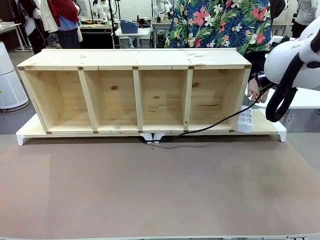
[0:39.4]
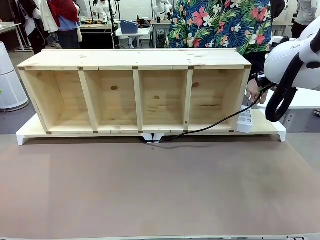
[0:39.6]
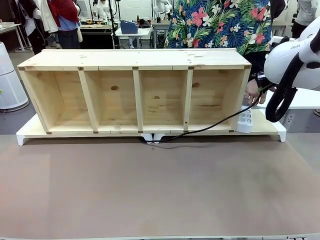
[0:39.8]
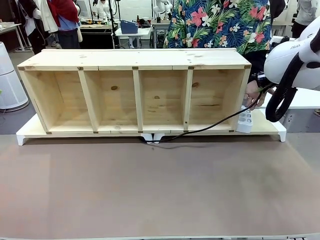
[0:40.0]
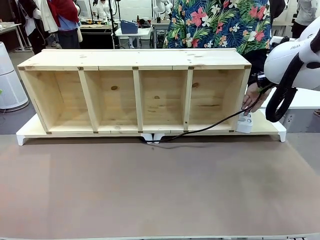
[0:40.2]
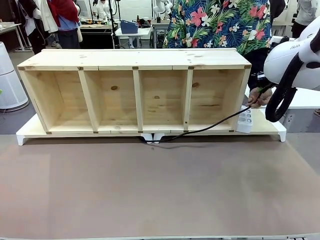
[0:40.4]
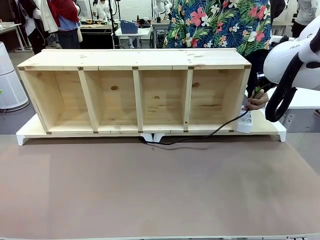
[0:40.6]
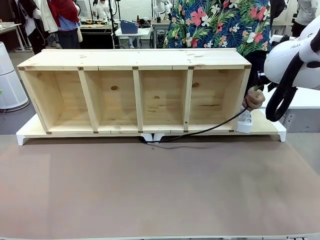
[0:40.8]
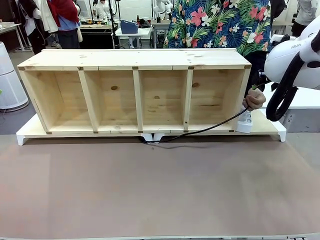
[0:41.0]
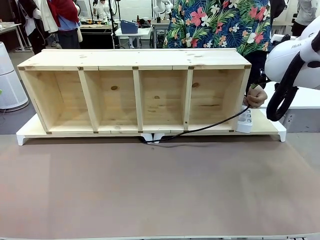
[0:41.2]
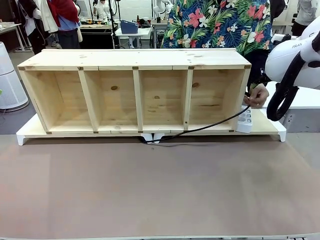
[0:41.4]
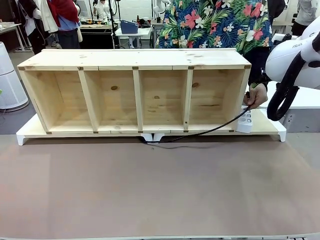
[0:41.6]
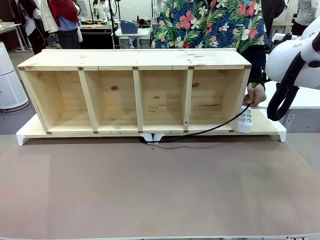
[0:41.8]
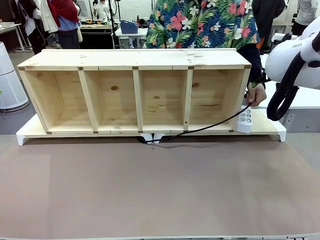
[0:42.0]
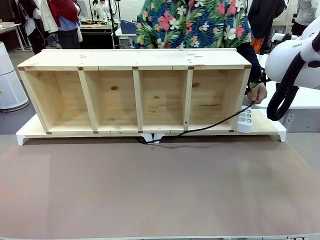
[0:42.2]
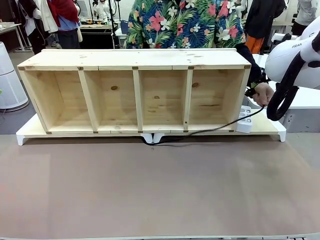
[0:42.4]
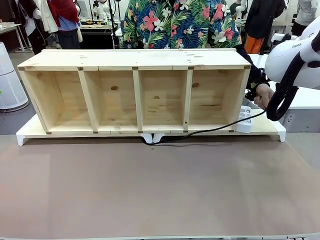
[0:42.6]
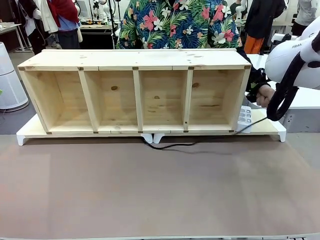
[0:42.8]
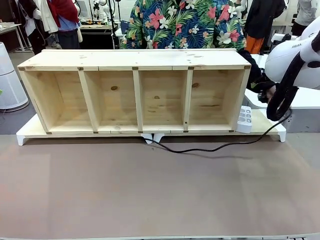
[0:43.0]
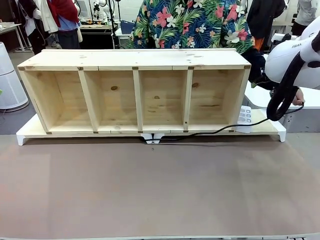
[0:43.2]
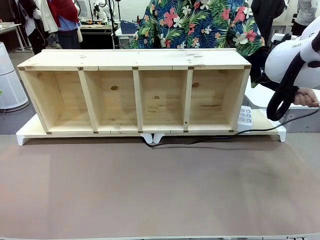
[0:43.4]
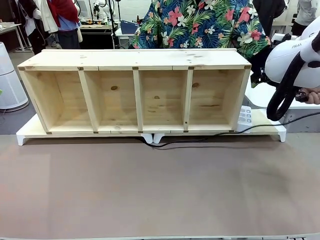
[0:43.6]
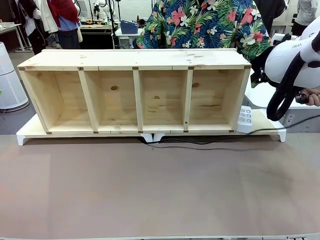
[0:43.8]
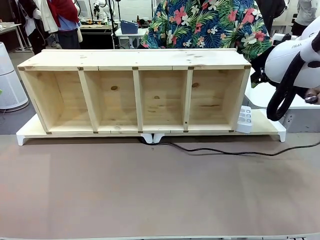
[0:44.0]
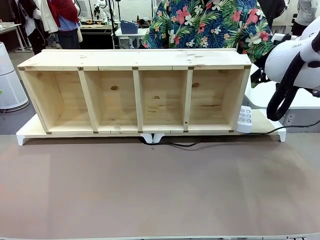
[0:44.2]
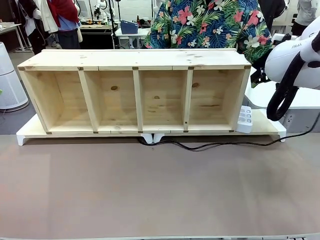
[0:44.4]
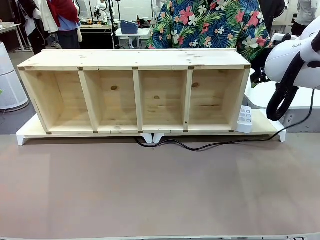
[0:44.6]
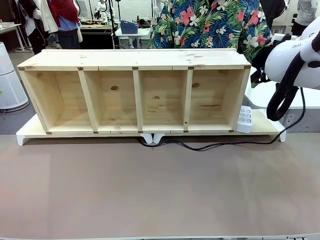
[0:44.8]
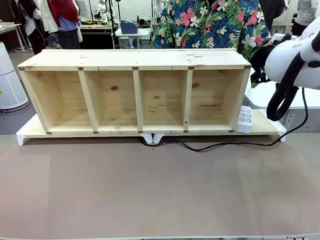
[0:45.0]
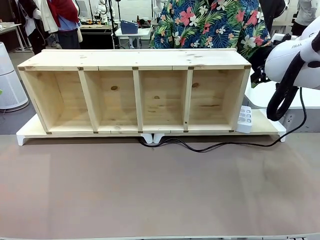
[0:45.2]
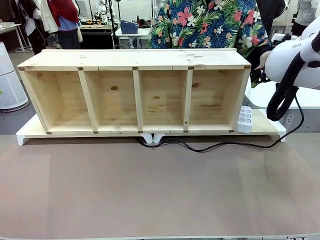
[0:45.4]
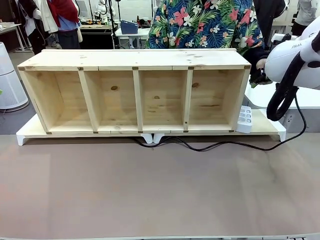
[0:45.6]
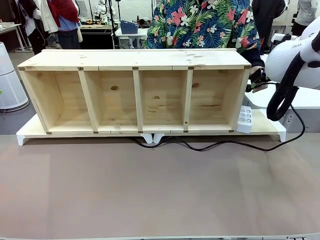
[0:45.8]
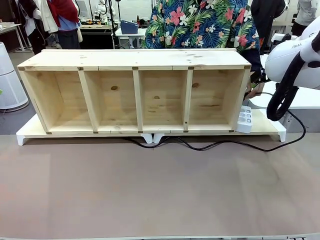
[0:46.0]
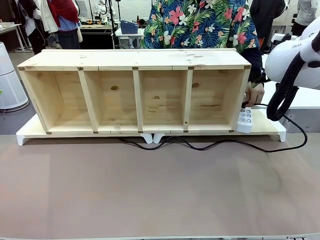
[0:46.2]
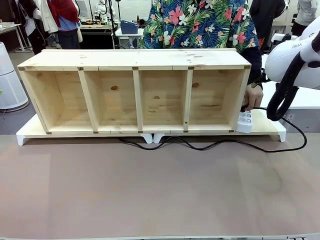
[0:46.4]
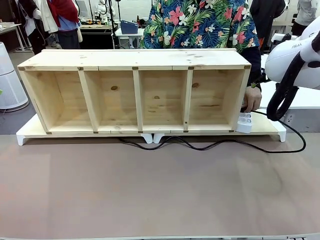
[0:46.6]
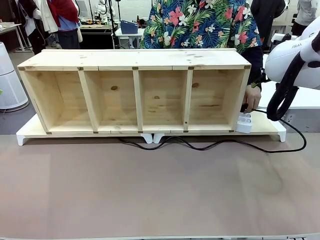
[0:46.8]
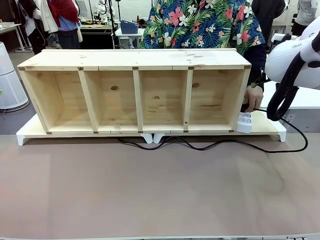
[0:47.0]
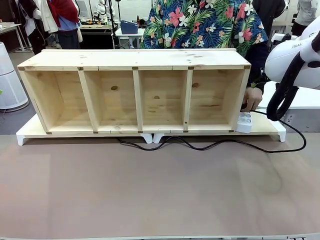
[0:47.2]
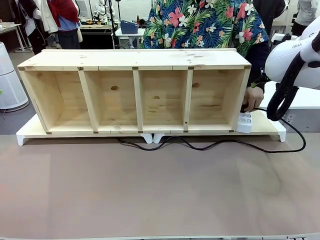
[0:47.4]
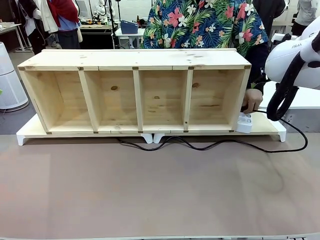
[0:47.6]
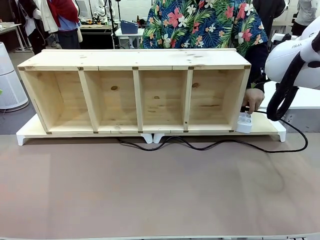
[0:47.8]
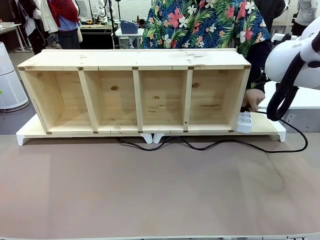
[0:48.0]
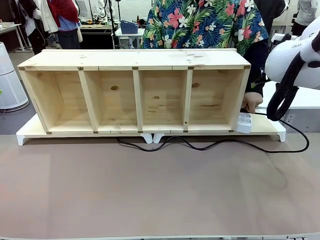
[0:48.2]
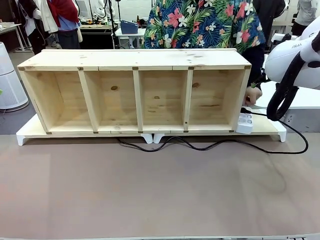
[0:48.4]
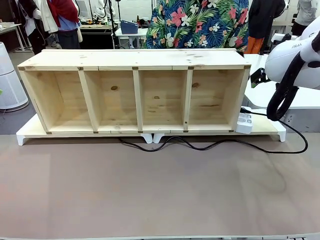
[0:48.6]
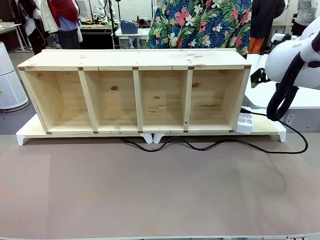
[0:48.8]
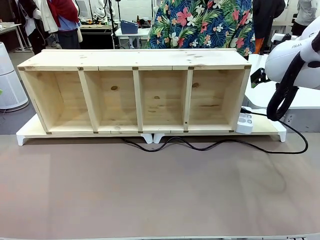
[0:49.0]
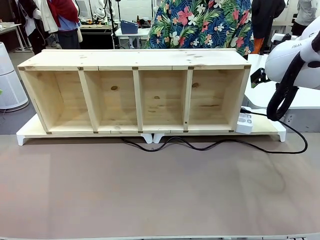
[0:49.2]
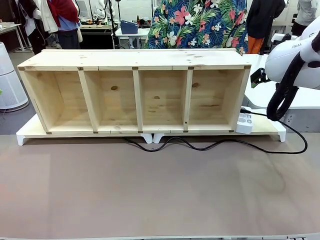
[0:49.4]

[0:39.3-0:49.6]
Task: Perform cable management.
Robot: Release the Power Cable when the human grasps it.
Person: Plug the Power Cable into the Power Strip.

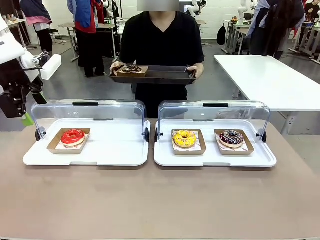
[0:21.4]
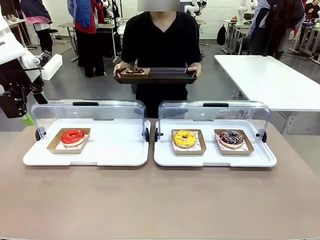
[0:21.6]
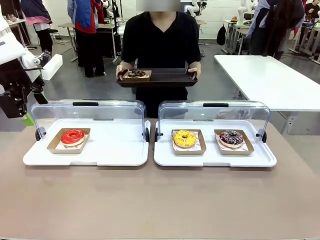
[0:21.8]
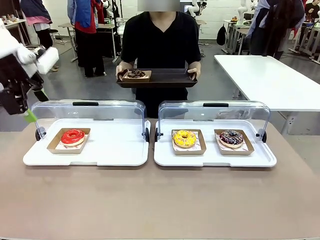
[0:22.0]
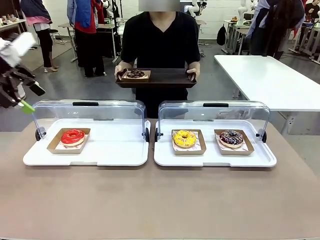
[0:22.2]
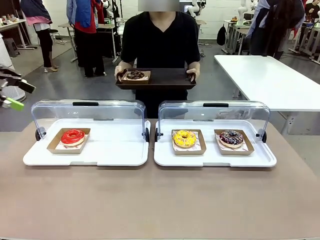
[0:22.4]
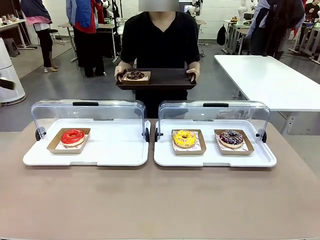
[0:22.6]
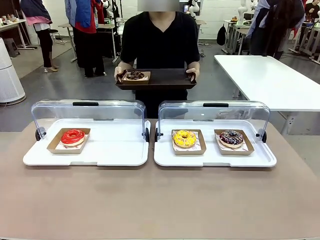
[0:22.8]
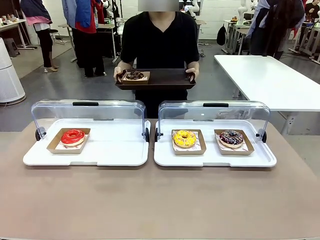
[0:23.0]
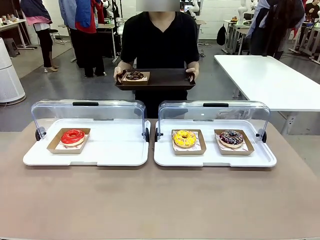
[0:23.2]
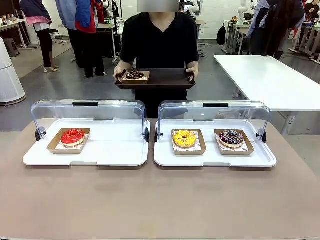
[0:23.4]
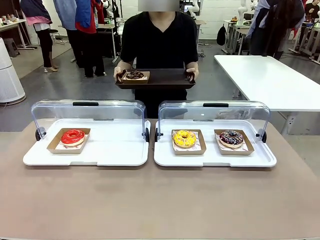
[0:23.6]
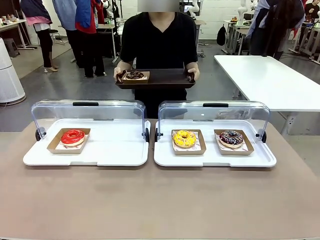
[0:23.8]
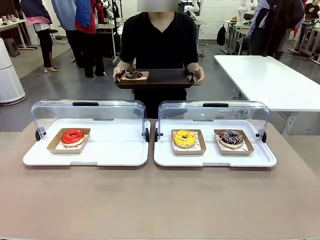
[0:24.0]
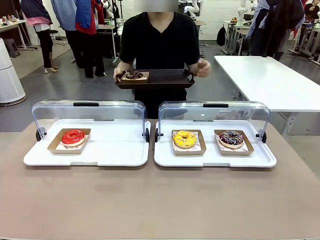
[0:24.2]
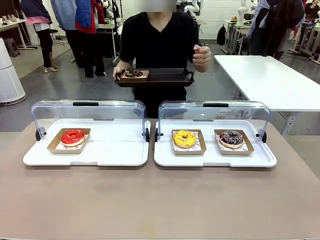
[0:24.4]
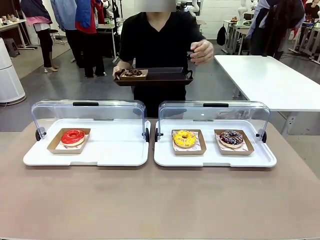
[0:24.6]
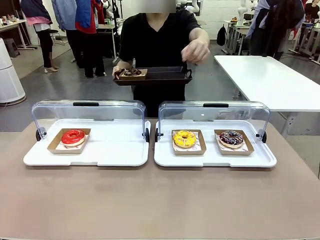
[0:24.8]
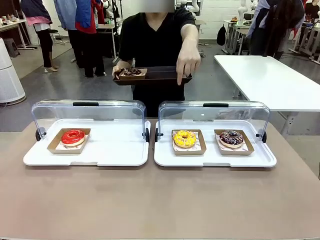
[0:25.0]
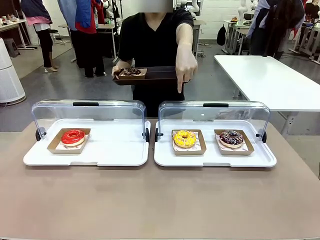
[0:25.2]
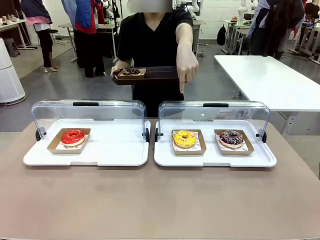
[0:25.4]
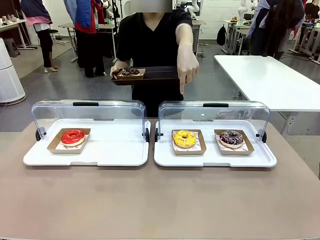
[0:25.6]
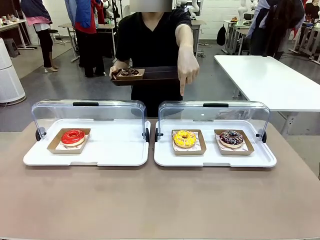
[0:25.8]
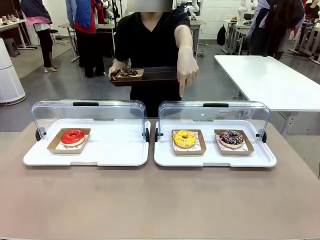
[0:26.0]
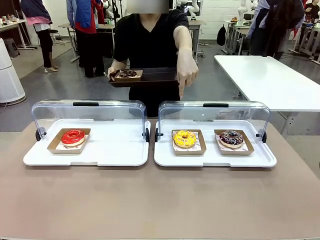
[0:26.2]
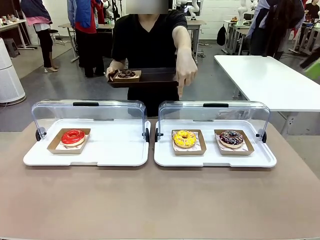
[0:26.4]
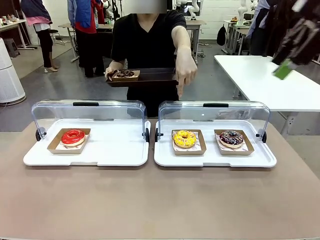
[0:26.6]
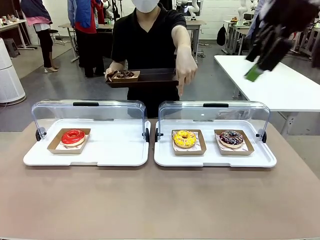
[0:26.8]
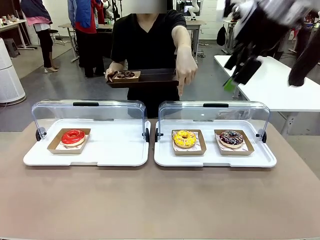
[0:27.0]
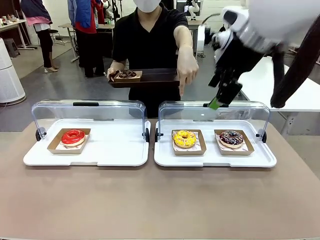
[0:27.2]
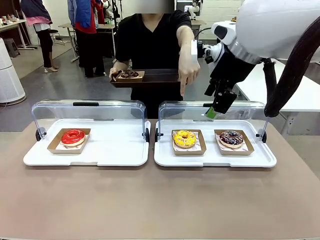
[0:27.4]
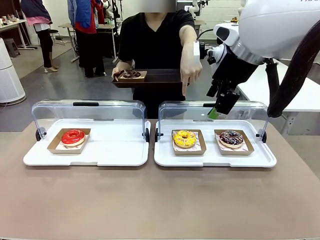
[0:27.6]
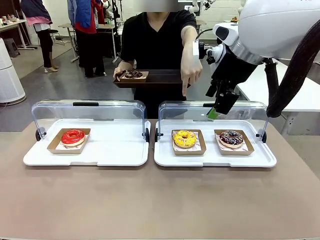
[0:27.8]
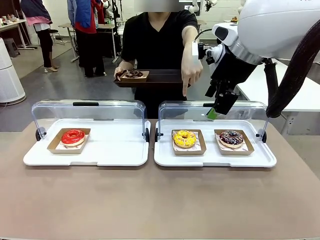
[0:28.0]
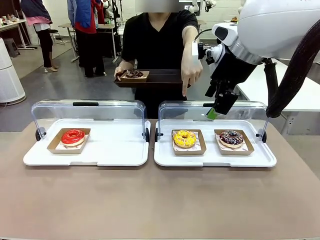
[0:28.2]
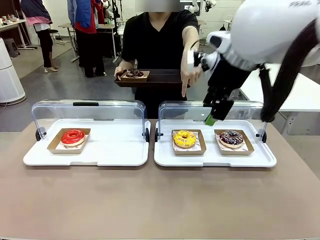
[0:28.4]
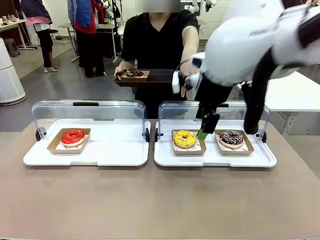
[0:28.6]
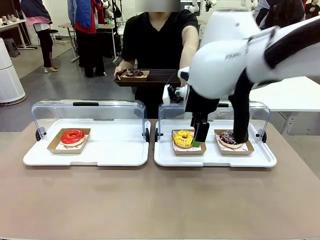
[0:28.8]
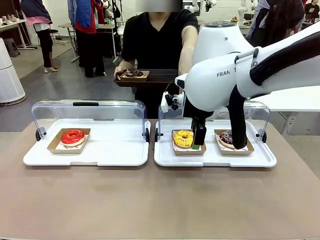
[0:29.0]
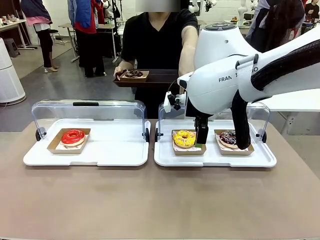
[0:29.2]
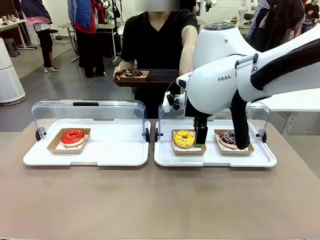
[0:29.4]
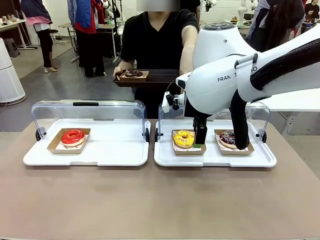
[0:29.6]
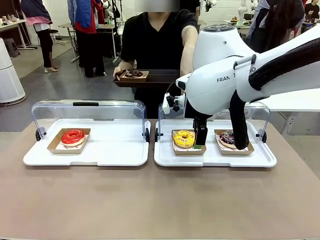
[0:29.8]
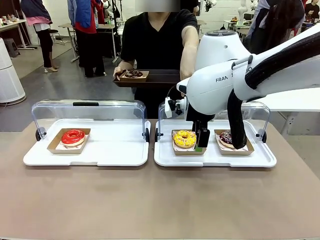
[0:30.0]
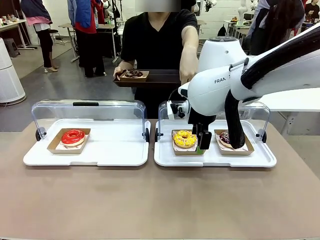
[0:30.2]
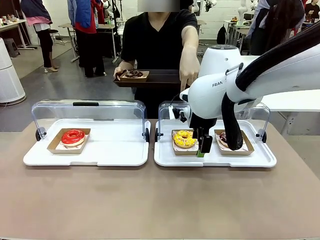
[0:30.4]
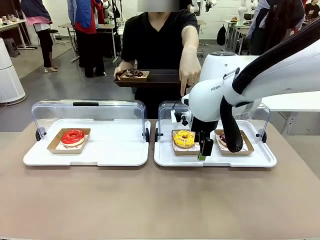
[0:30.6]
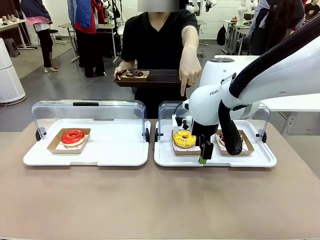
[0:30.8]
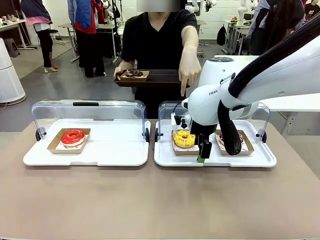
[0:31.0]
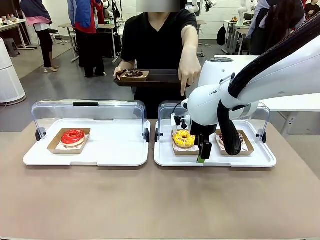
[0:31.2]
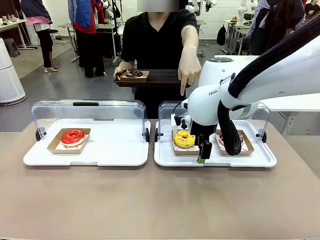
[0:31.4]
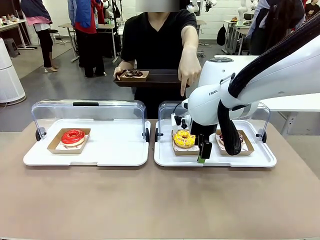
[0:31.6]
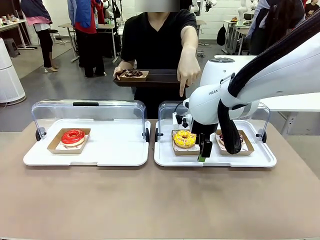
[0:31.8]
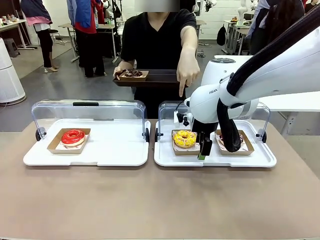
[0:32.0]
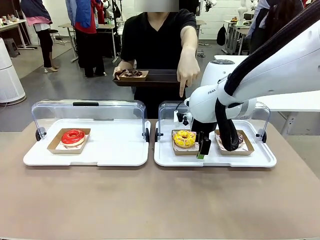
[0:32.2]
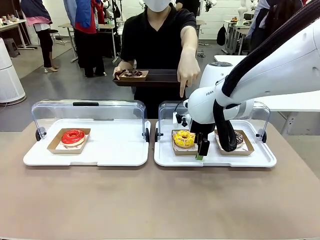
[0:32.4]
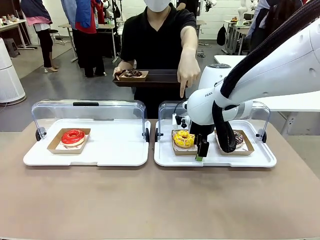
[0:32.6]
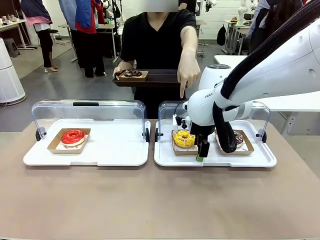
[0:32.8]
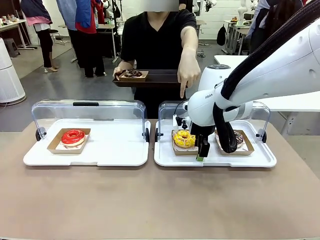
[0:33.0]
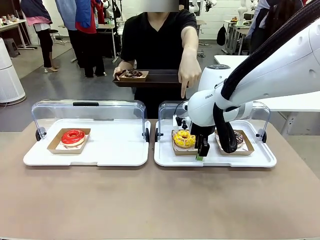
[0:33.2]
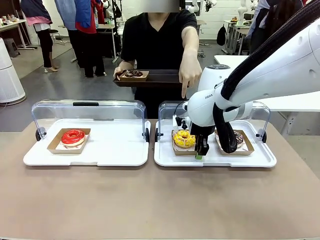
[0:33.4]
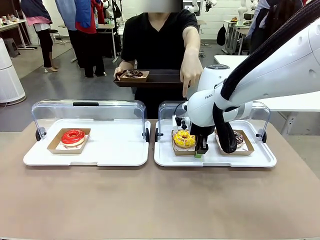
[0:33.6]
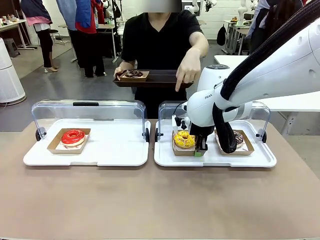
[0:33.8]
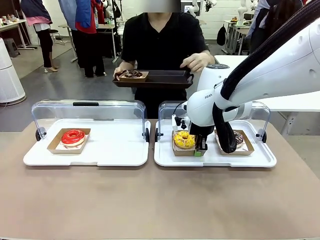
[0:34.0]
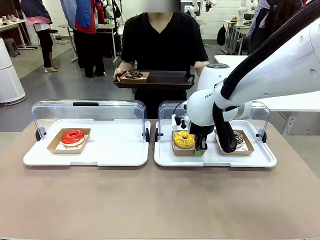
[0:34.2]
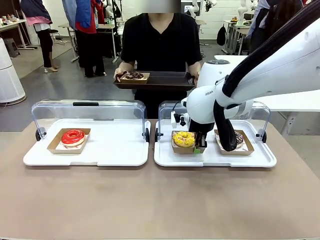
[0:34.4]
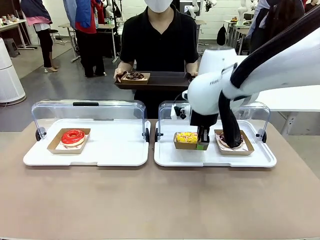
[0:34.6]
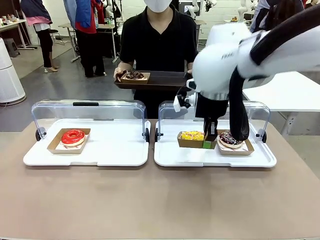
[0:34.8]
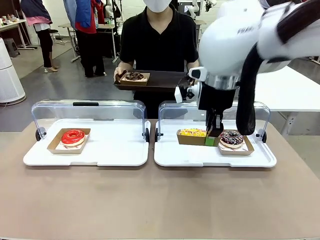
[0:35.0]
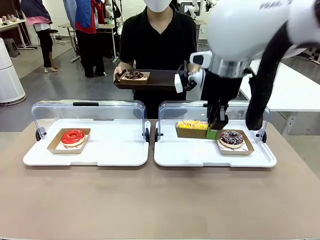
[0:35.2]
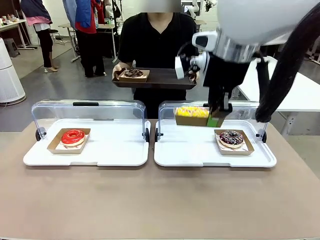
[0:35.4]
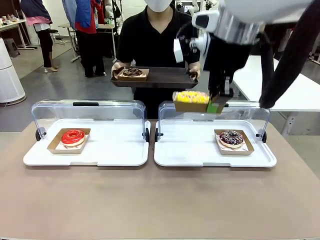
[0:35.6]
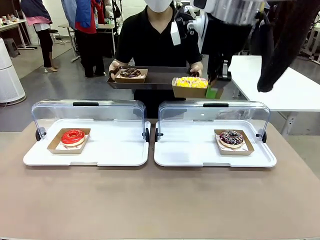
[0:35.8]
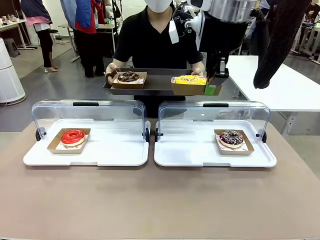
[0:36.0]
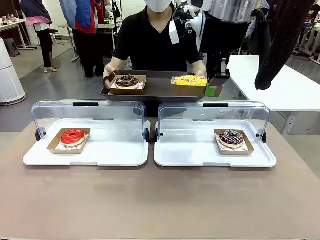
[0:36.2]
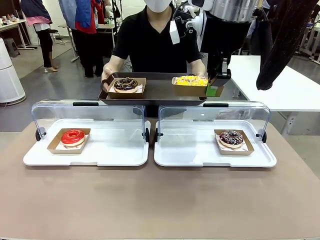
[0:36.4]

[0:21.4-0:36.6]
Task: Provide the desired donut to the person.
Robot: Pick up and lift the Paper togo box containing the Donut pointed at by the person.
Person: Point to one donut. Lift the tray onto the Roll-Top Bakery Case.
